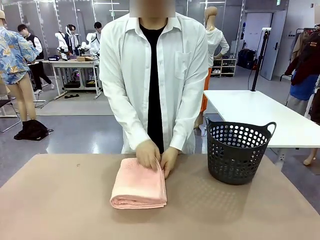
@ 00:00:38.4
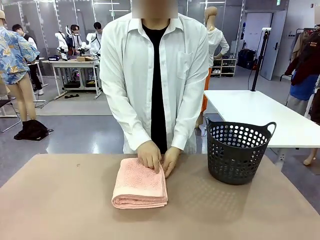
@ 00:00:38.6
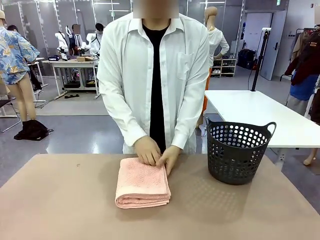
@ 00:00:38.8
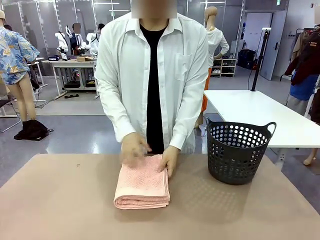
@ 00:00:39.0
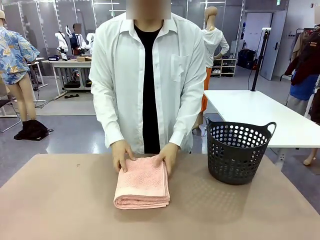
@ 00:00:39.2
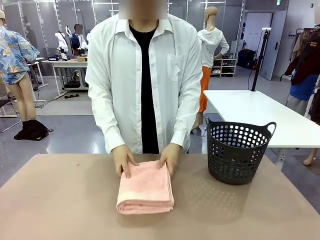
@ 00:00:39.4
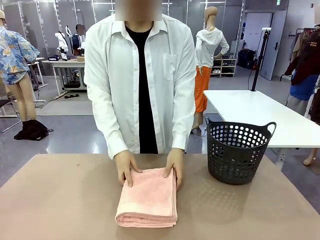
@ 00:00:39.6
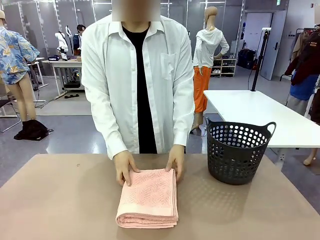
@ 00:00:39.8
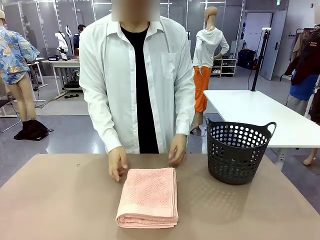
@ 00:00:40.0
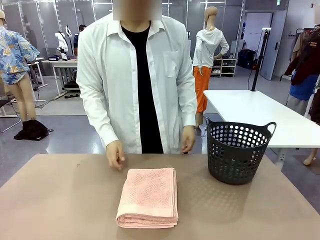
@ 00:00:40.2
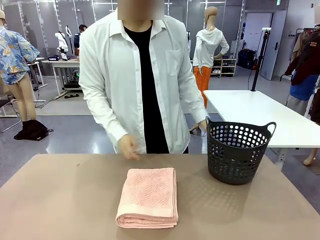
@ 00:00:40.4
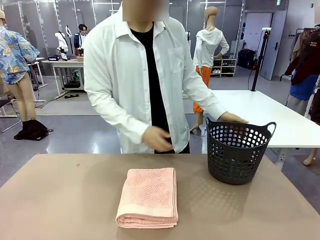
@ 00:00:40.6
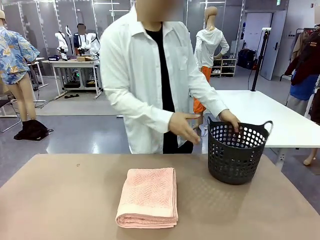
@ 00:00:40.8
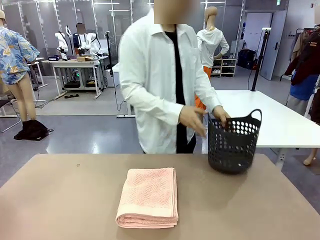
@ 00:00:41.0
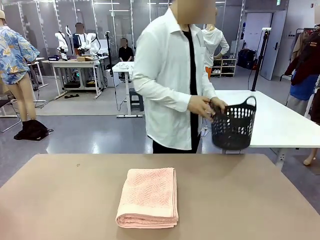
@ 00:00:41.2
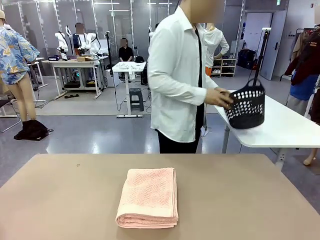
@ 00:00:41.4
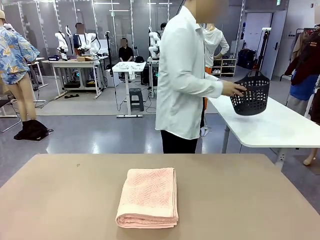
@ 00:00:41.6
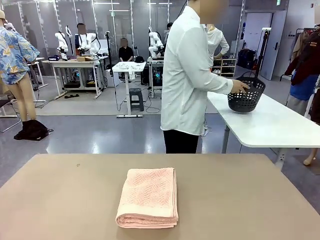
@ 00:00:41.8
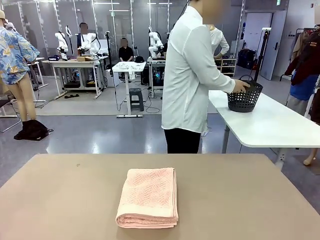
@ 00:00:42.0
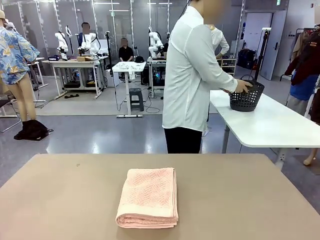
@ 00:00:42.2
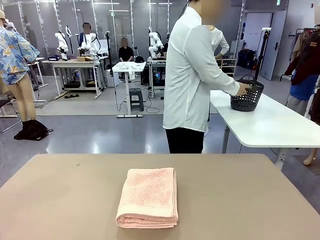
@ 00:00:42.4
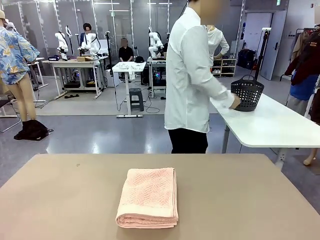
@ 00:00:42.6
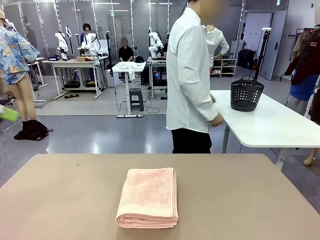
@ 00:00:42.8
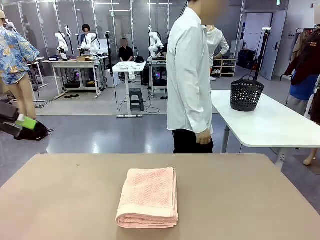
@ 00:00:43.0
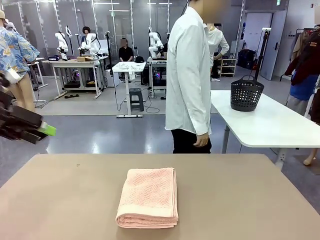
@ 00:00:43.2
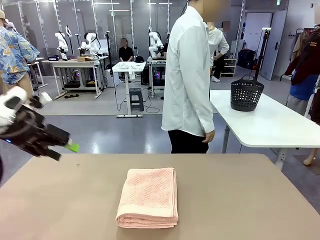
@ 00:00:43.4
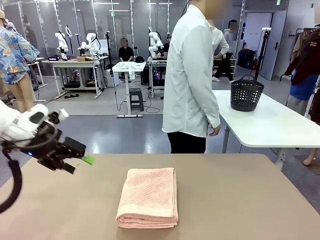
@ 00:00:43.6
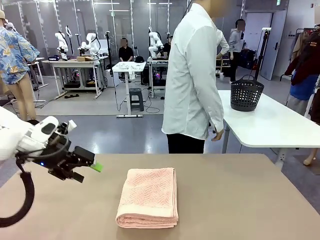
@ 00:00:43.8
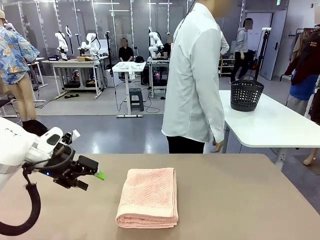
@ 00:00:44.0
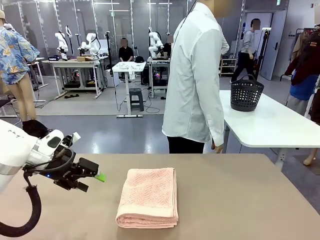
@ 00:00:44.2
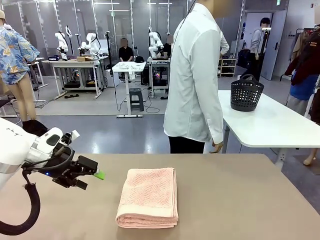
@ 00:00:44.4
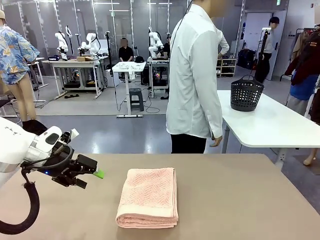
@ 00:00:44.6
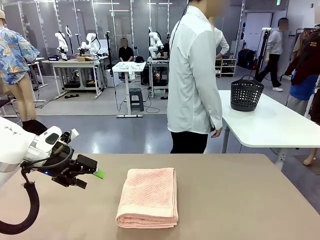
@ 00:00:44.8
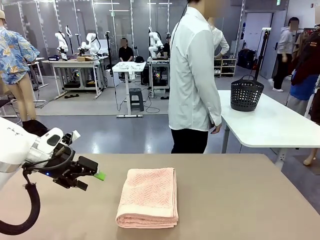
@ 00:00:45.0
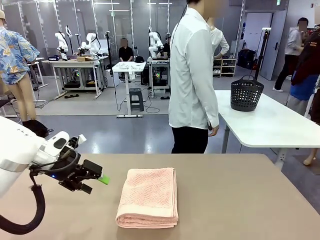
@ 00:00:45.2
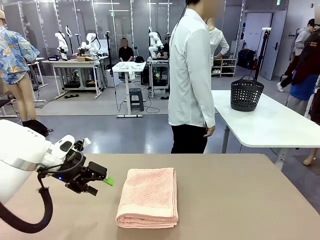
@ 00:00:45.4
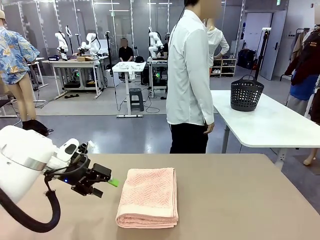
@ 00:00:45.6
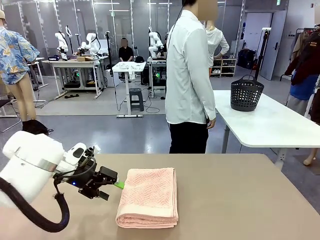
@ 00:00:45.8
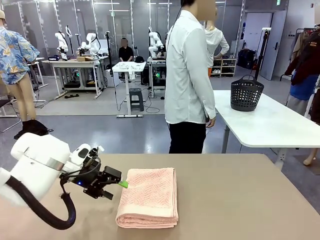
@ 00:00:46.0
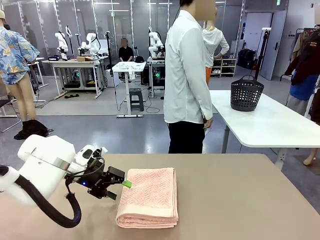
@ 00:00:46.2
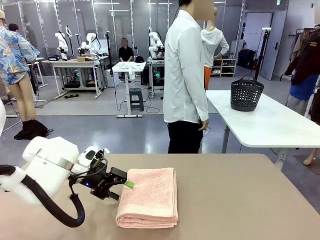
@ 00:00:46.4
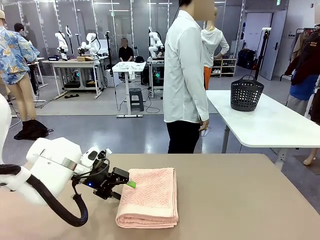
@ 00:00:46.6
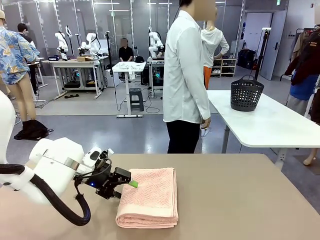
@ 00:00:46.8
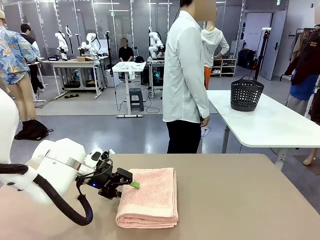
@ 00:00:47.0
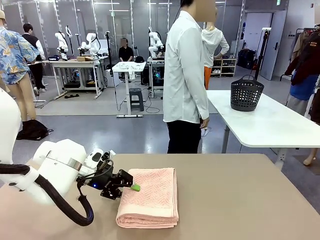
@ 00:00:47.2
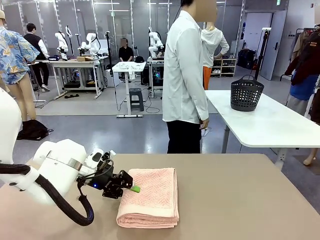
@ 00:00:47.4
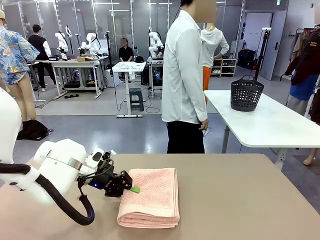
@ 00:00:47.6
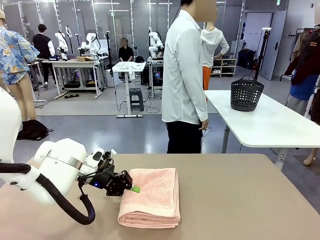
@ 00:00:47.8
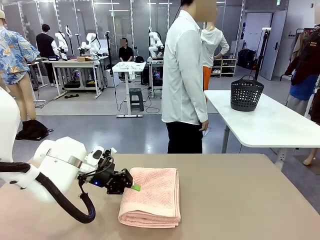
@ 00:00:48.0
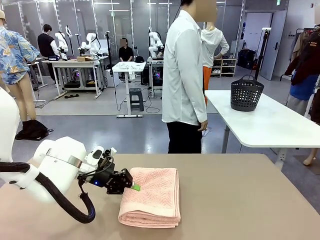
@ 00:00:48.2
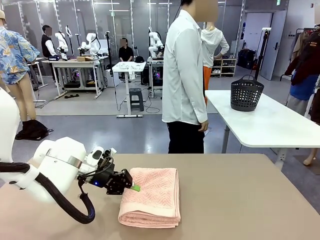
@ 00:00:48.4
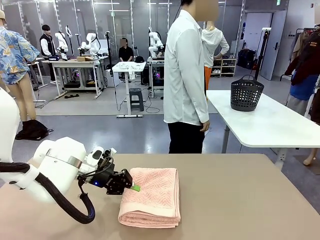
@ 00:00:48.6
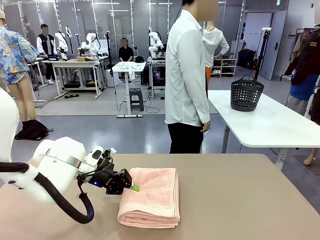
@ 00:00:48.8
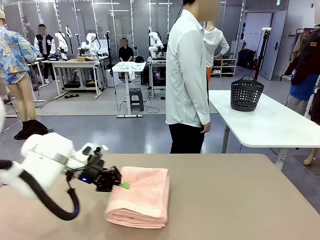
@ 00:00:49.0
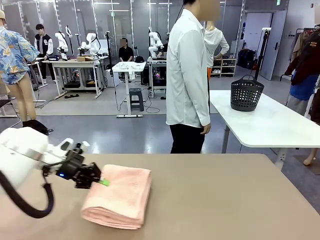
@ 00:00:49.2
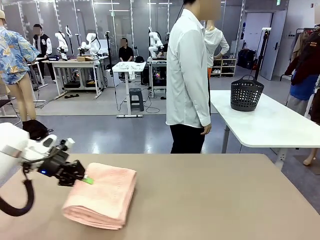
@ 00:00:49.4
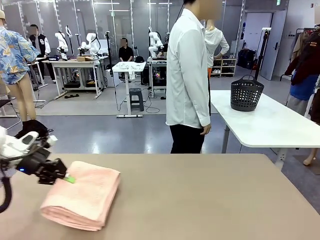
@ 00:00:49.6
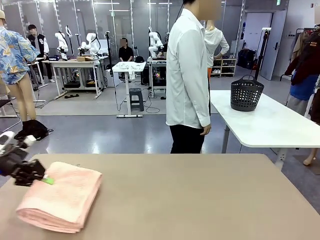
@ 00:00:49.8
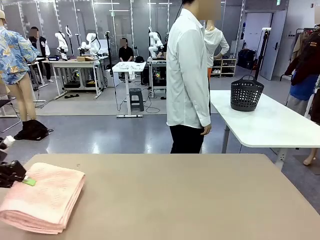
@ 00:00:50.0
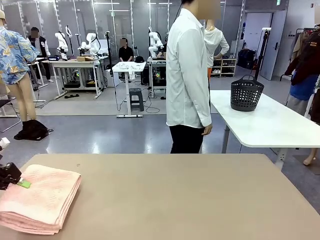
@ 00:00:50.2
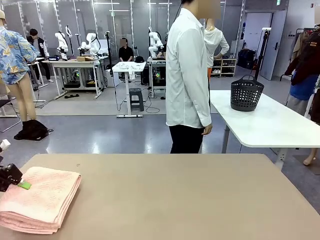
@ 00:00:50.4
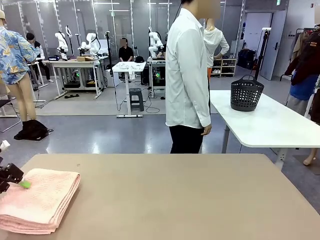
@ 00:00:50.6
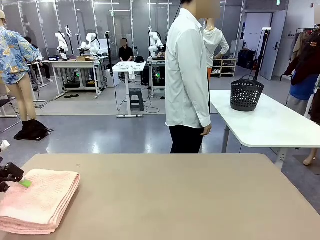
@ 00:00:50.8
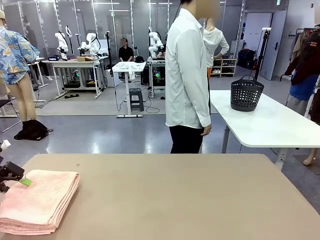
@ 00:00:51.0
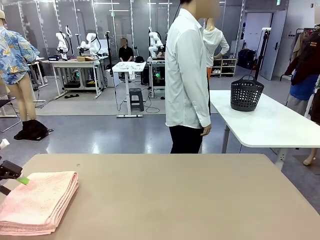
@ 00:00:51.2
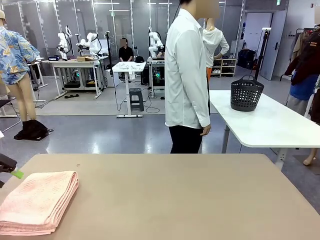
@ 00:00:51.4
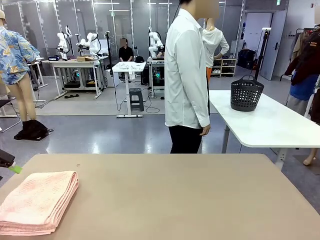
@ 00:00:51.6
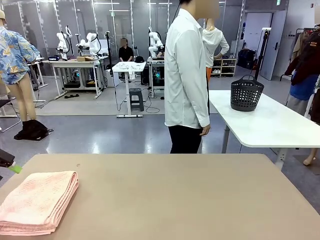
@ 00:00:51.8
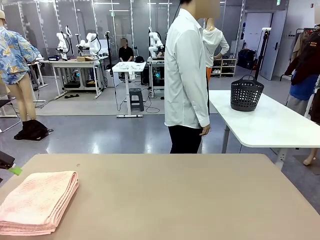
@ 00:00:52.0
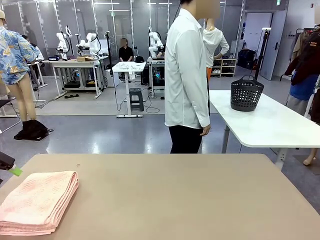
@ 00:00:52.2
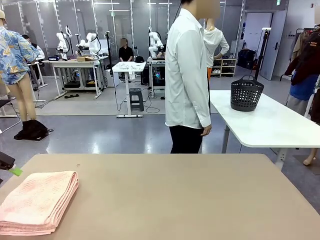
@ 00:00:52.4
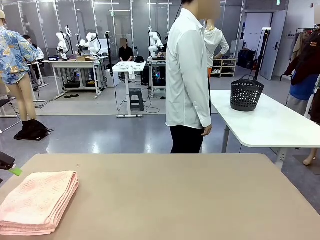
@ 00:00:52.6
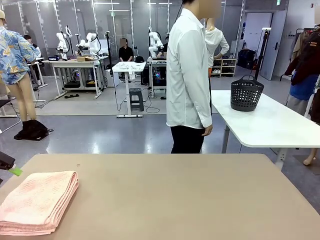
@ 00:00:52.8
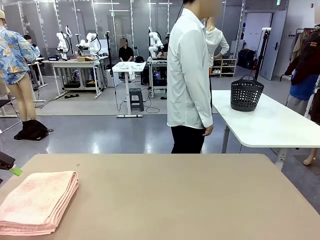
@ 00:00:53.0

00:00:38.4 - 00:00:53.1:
Task: Fold the towel.
Robot: Pick up the 100 cm Hotel Towel and place it on the left side of the table.
Person: Pick up the laundry basket and place it at the center of the human table.
